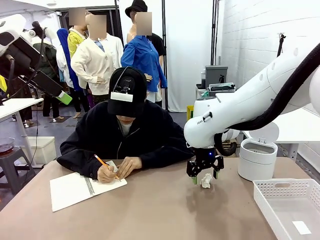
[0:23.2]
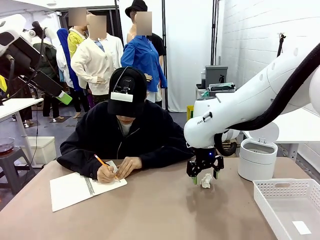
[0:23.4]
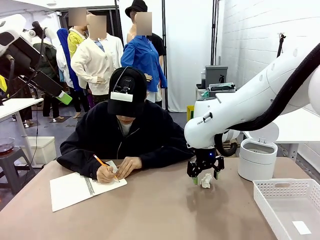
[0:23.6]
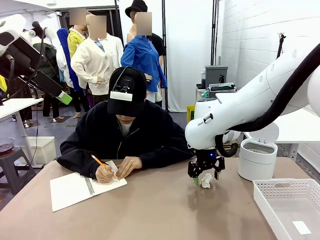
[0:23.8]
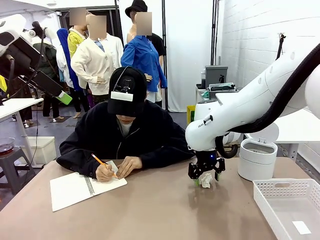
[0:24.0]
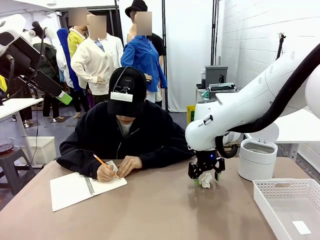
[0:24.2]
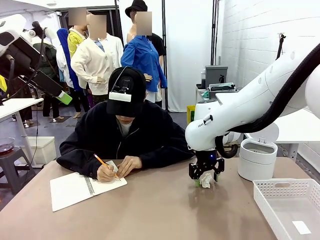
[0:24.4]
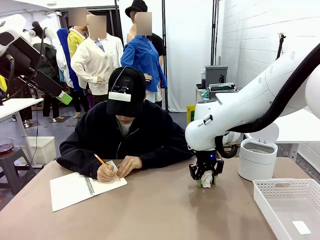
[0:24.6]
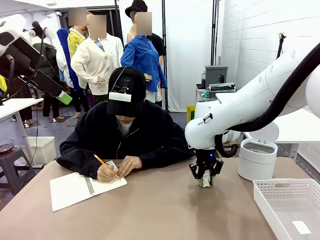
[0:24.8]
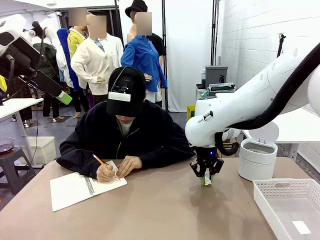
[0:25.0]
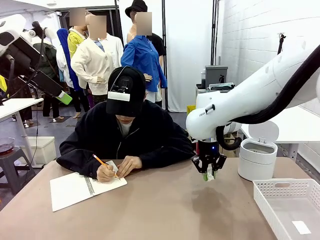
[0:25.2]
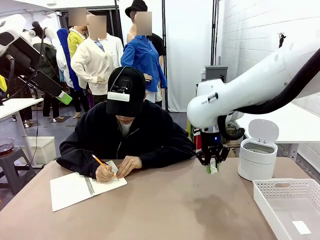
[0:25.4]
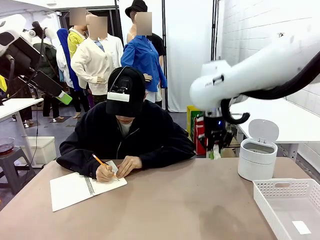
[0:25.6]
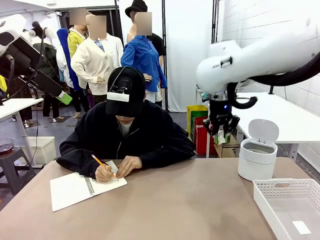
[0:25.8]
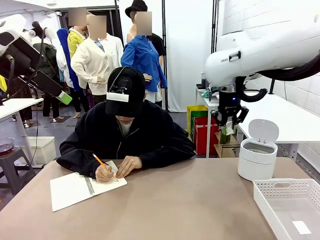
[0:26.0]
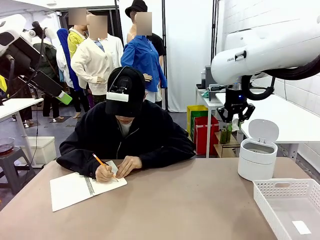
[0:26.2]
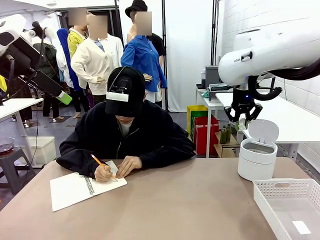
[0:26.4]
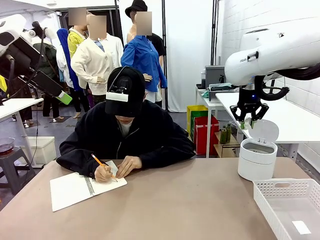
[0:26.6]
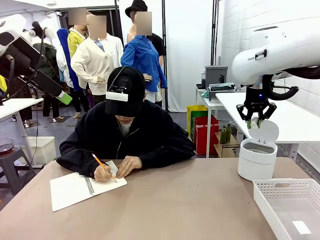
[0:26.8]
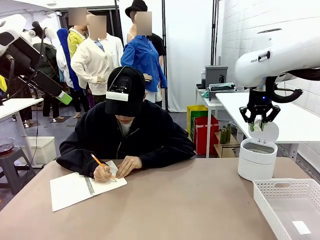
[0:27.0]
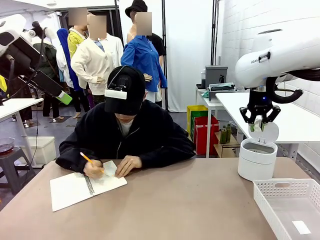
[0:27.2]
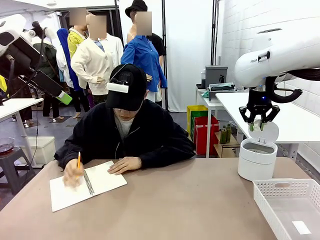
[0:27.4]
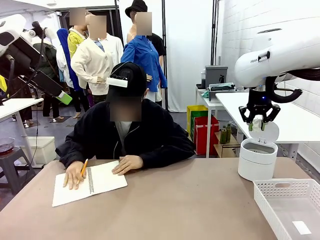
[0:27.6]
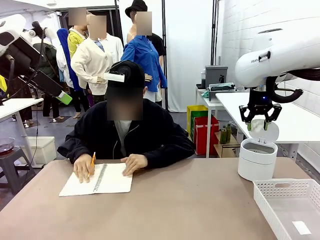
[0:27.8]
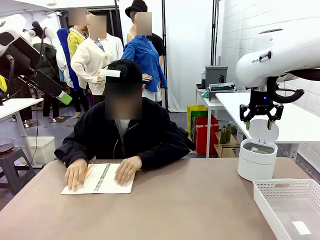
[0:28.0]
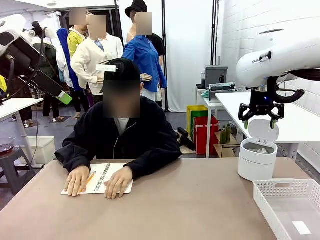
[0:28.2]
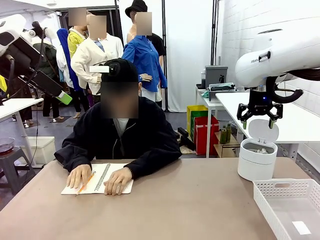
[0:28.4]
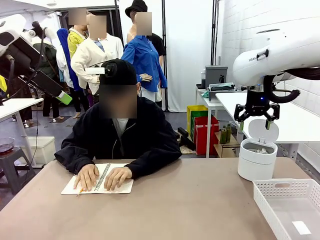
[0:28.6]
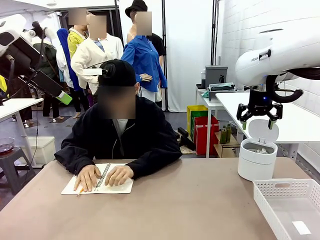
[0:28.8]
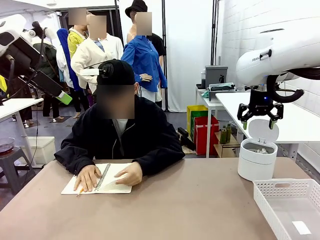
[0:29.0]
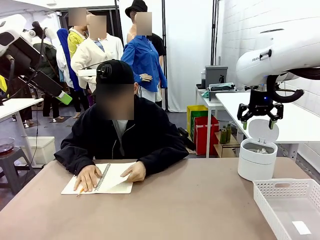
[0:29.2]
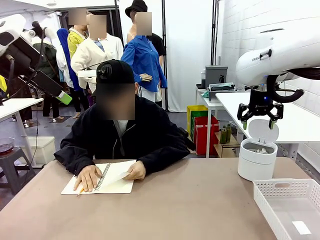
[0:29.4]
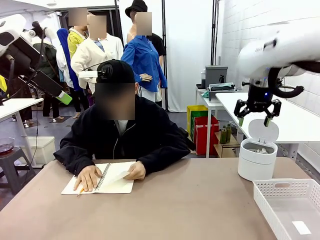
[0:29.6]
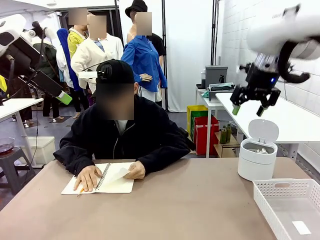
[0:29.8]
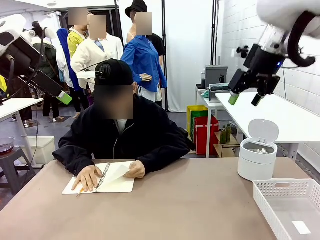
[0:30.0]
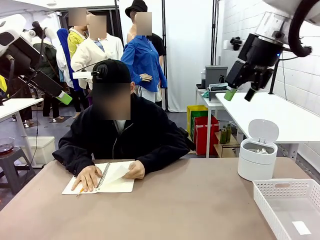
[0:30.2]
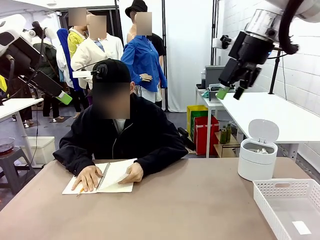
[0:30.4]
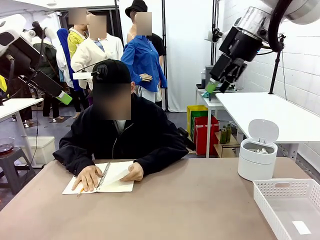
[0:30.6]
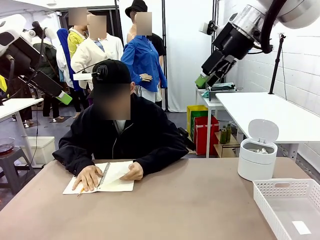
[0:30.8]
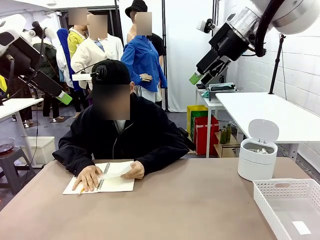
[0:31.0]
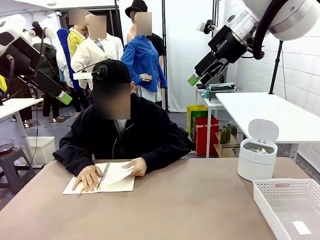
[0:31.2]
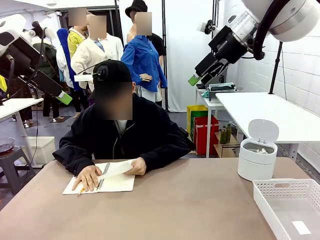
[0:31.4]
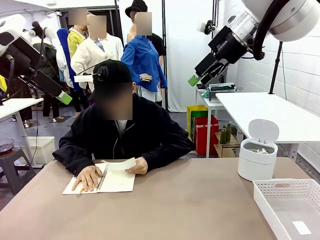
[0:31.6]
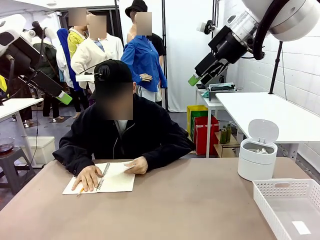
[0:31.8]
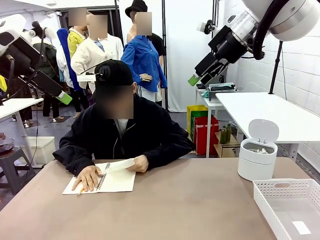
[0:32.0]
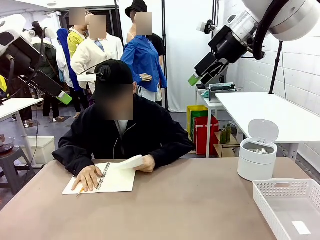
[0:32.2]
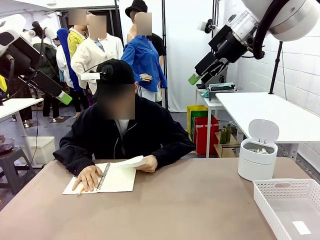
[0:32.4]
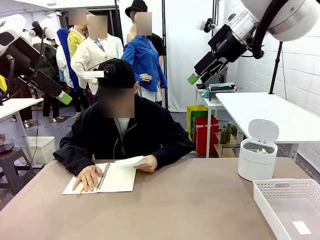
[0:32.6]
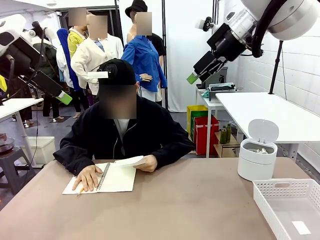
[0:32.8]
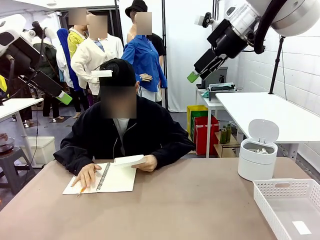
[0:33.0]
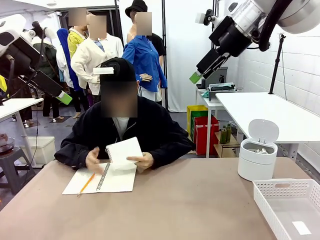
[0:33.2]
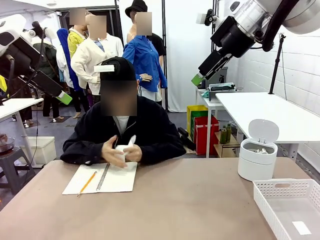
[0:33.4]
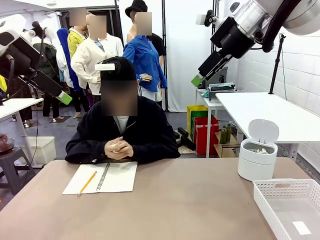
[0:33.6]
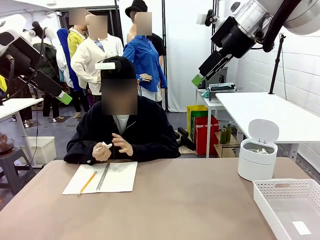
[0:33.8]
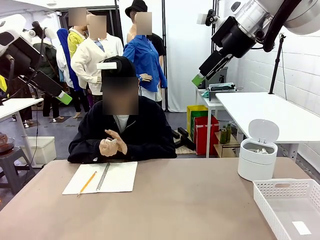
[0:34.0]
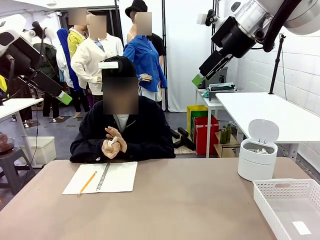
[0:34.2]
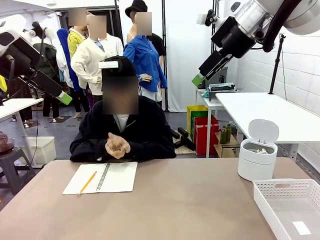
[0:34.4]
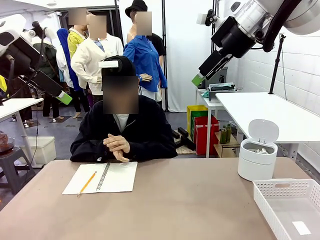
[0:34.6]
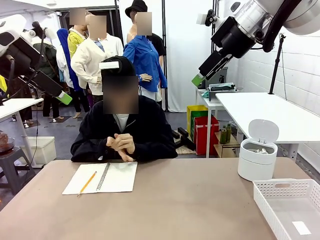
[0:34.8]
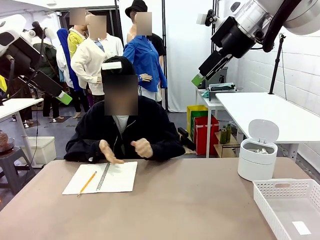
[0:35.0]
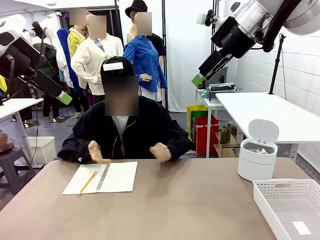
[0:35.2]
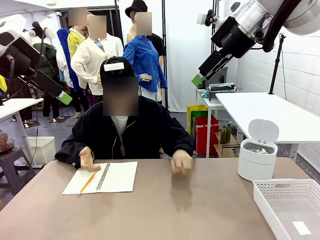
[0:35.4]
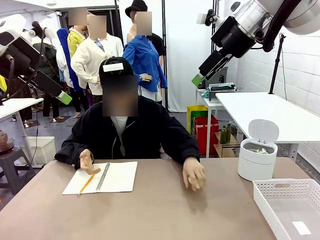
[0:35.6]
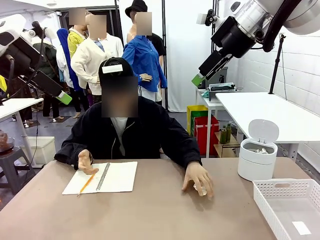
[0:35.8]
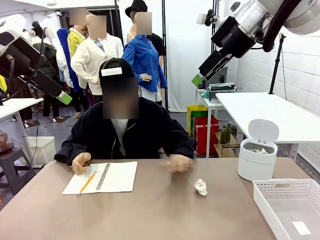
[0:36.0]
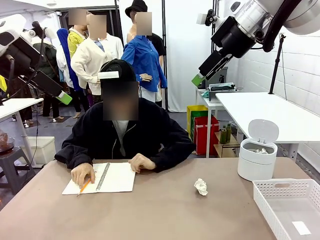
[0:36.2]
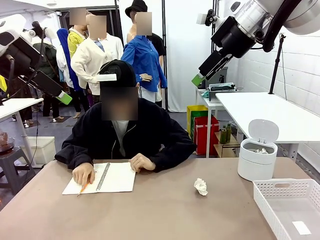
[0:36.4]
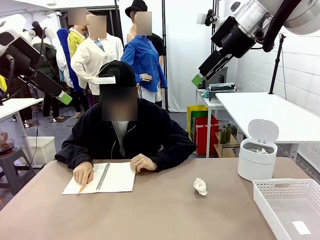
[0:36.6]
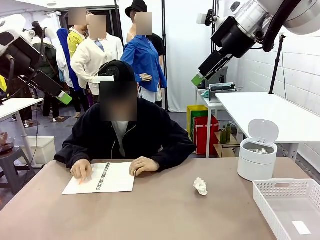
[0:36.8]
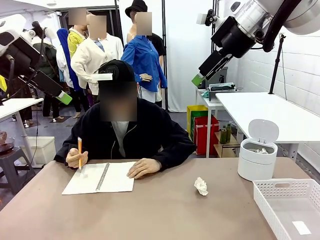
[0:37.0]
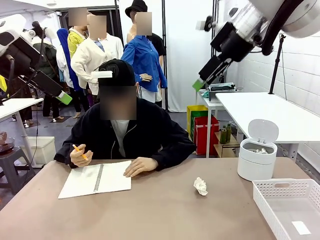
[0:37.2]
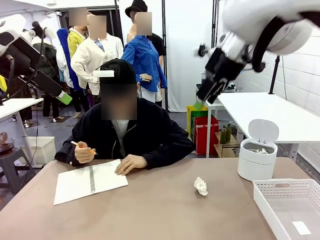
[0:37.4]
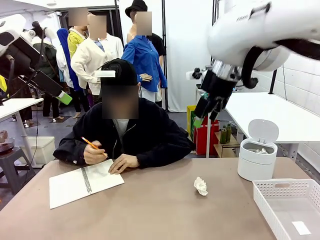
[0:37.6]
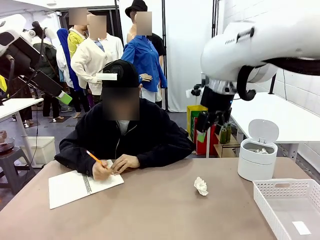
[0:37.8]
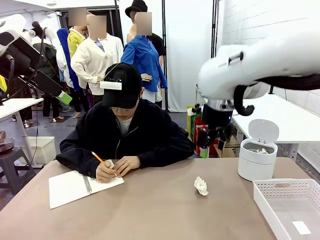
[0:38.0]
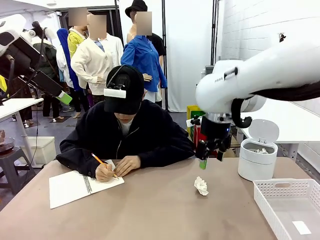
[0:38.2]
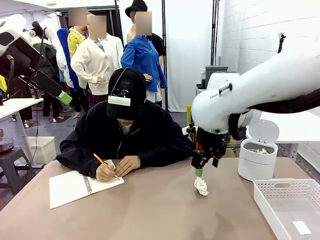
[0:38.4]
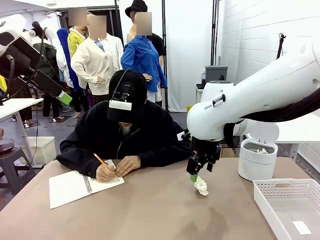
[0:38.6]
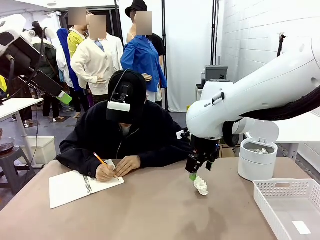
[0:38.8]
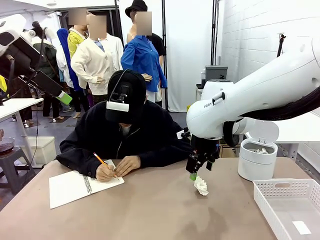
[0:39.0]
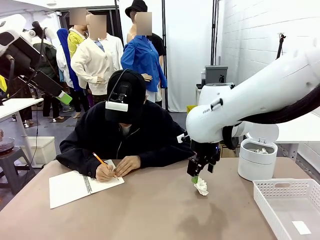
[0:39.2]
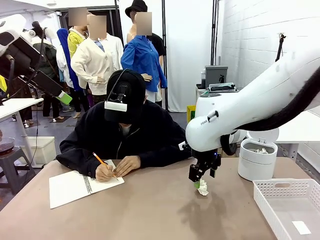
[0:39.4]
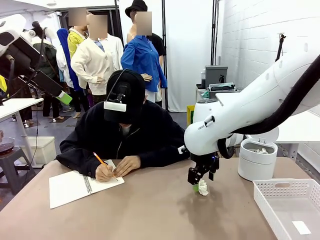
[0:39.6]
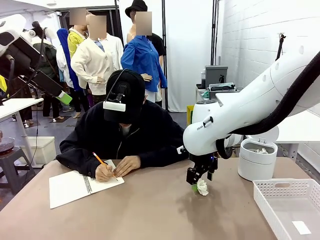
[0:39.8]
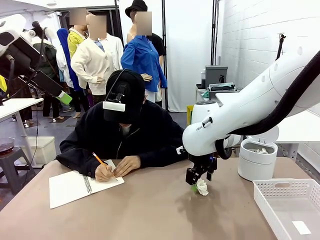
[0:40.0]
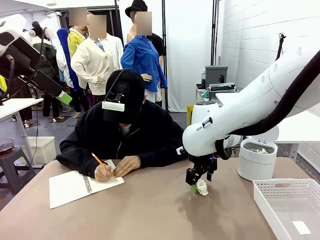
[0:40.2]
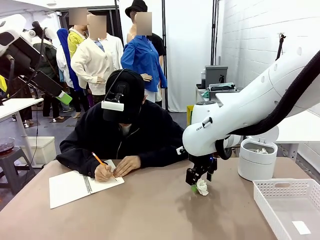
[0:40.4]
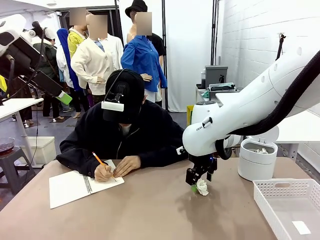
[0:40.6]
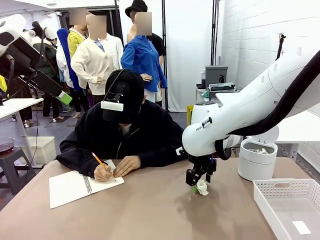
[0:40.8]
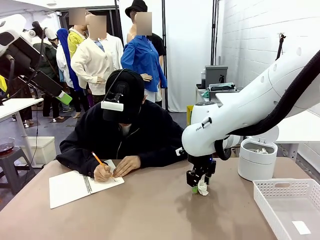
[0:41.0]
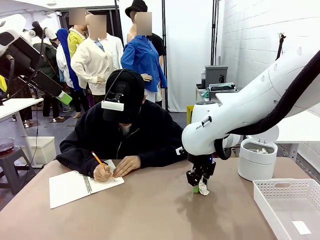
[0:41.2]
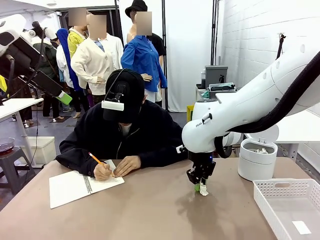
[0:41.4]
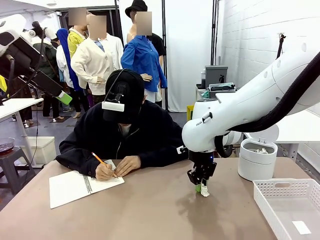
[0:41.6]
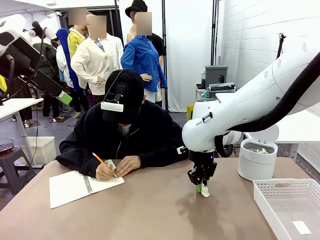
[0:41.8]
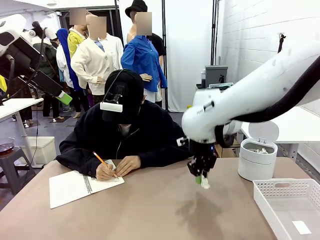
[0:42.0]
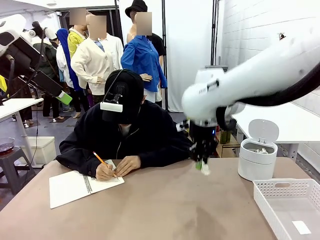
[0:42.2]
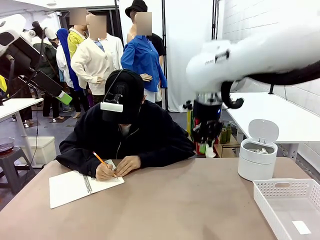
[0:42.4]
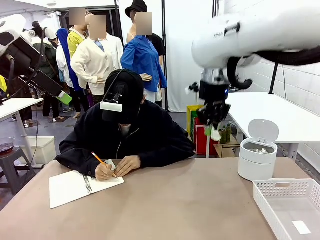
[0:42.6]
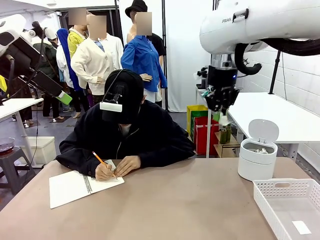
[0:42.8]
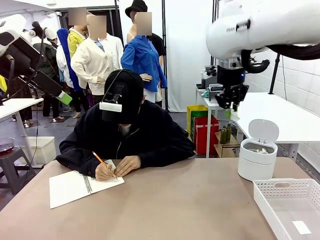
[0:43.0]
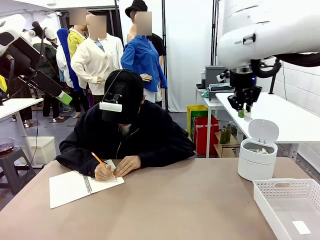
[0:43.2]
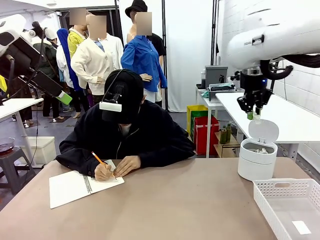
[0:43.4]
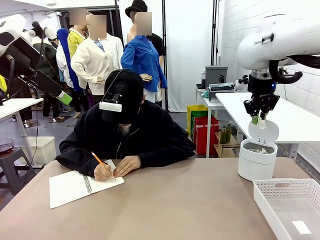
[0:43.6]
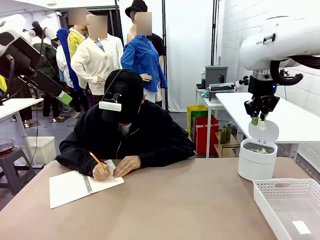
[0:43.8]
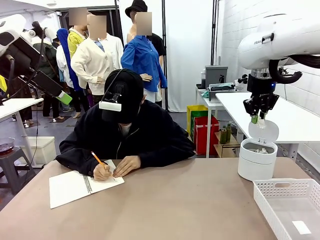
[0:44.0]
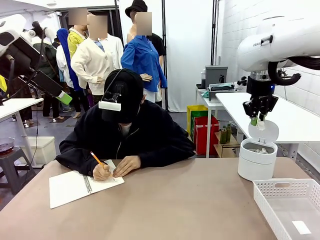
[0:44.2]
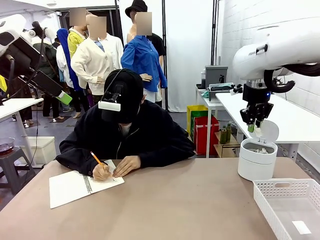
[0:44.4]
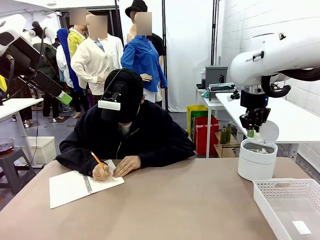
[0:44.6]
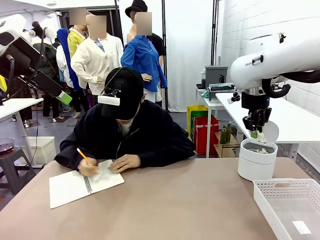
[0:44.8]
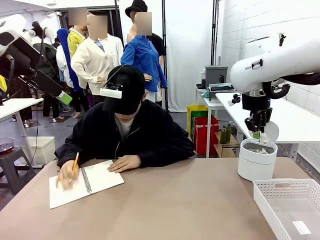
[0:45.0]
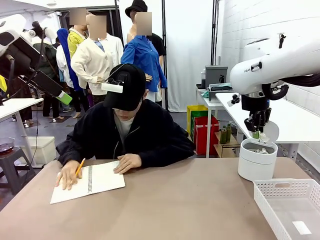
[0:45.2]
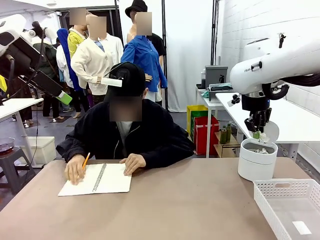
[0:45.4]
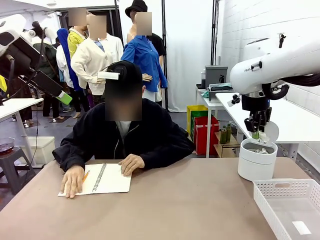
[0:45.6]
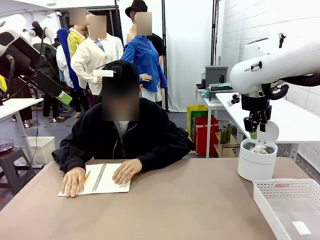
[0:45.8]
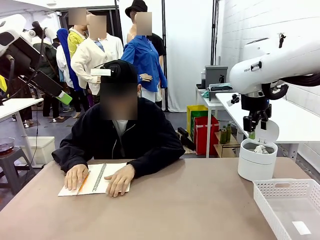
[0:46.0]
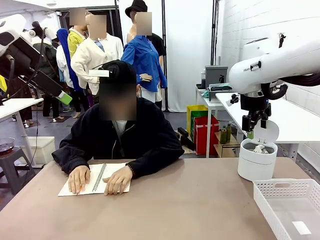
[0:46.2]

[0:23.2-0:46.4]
Task: Sort the paper based on its condition.
Robot: If a person hands you a paper, place it in the Organizing basket , and if it's crumpled, put it in the Trash can.
Person: Tear out a page from the spiral notebook. Hand the torn page to the robot or crumple it and throw it to the center of the table. Tear out a page from the spiral notebook.
